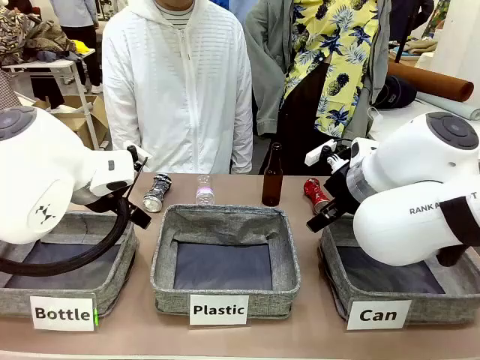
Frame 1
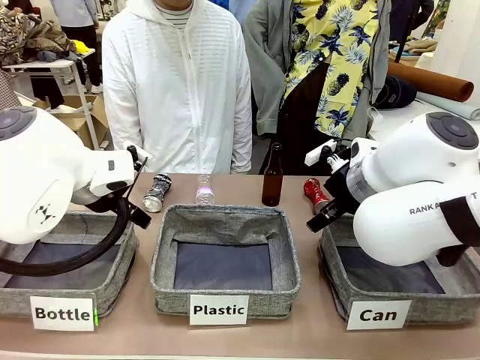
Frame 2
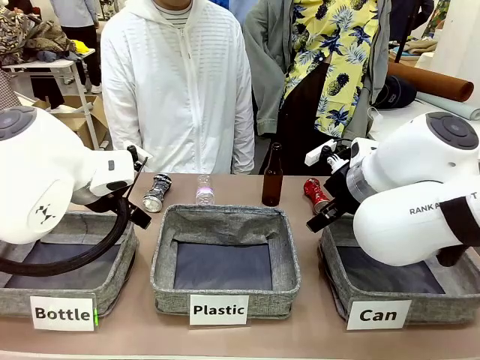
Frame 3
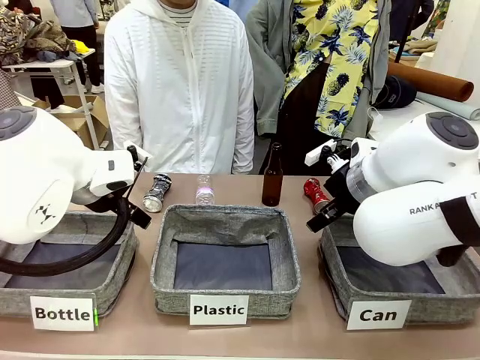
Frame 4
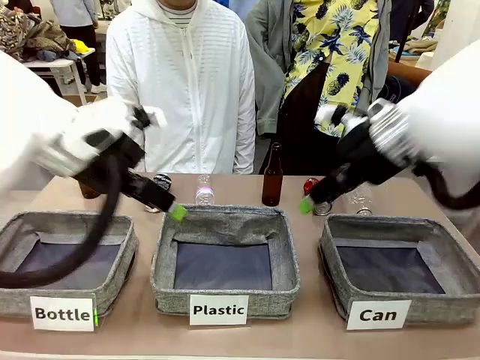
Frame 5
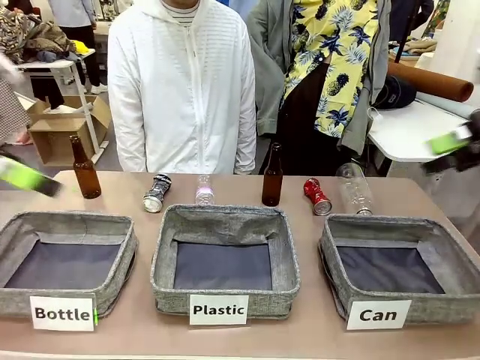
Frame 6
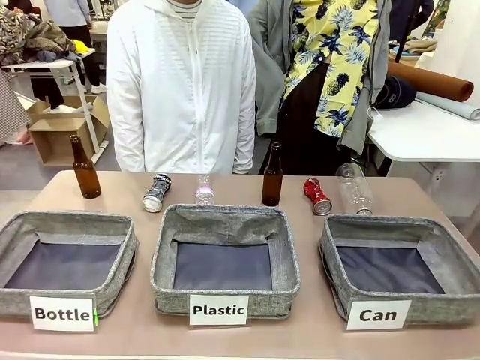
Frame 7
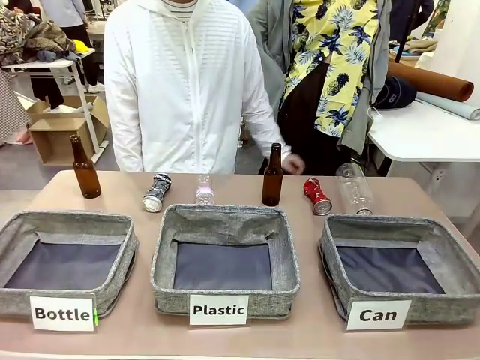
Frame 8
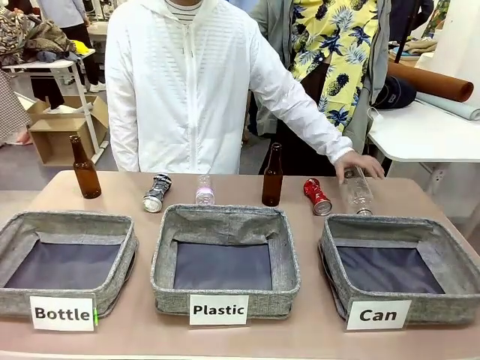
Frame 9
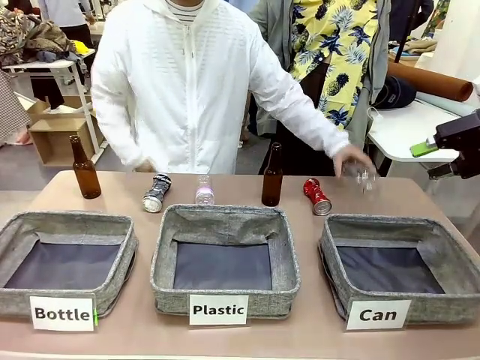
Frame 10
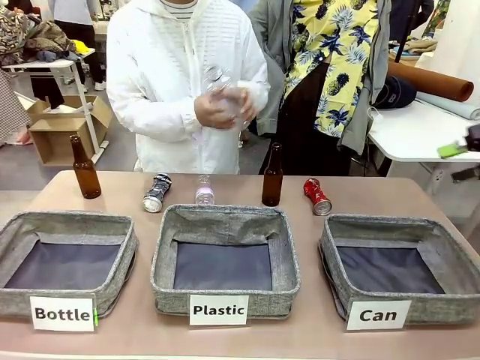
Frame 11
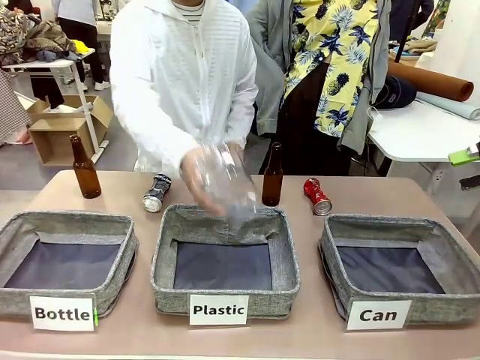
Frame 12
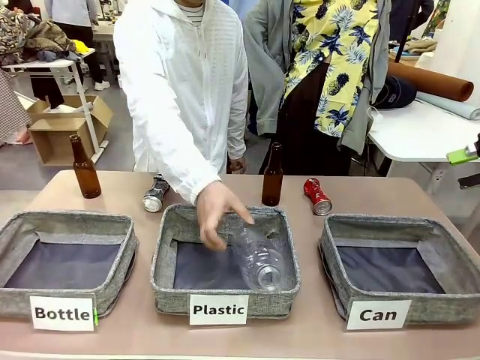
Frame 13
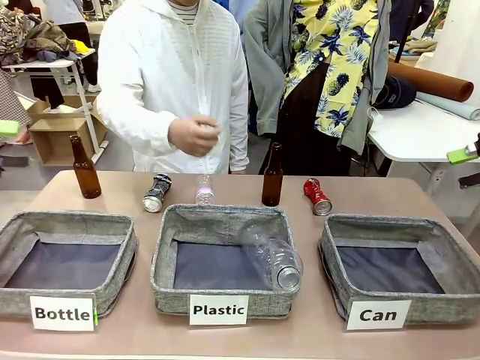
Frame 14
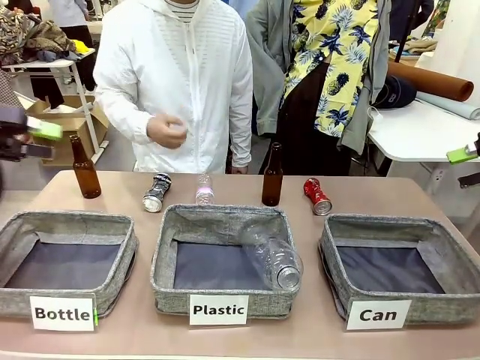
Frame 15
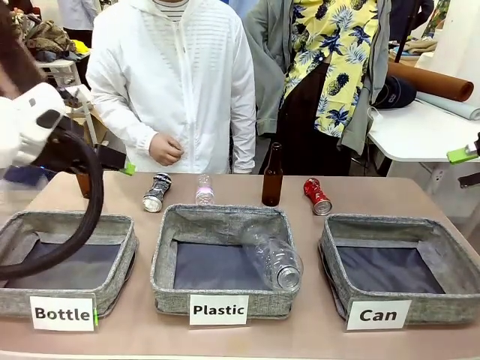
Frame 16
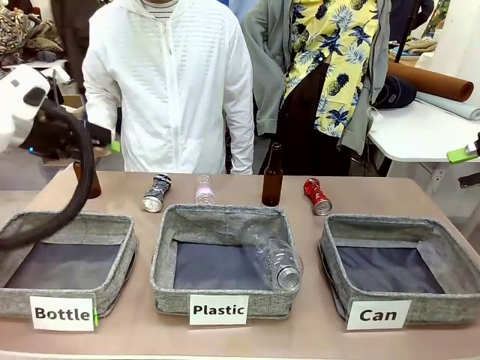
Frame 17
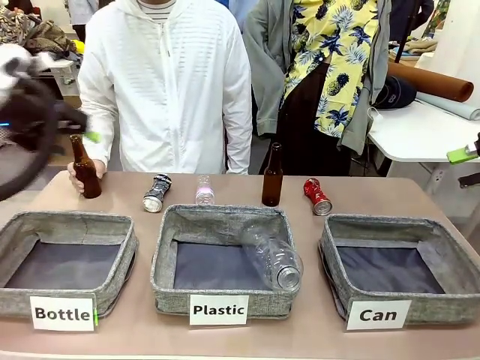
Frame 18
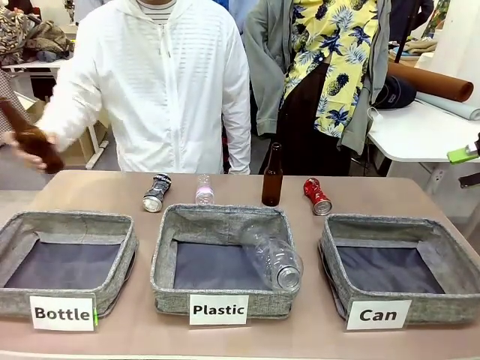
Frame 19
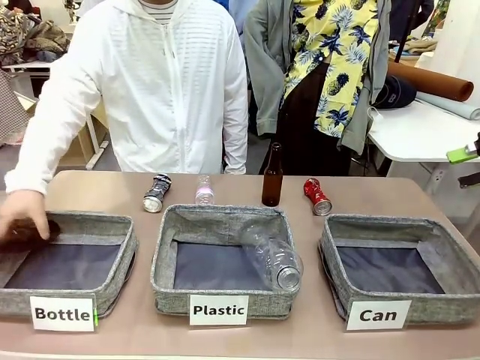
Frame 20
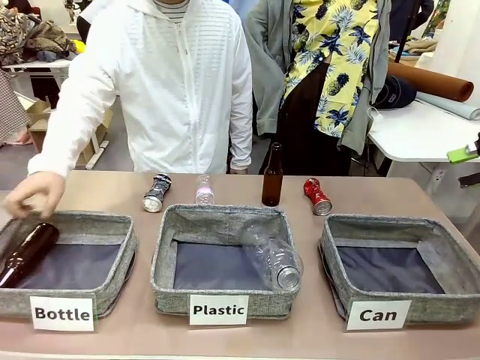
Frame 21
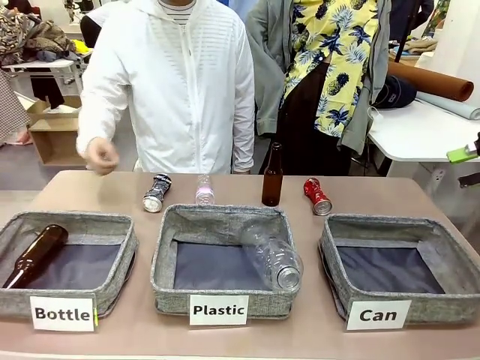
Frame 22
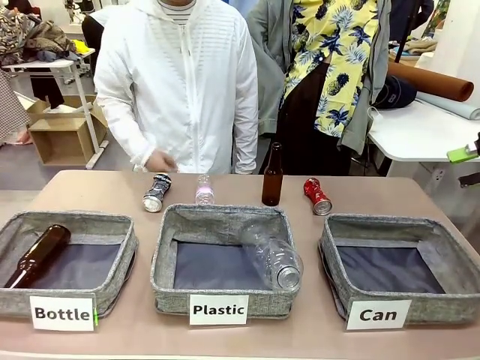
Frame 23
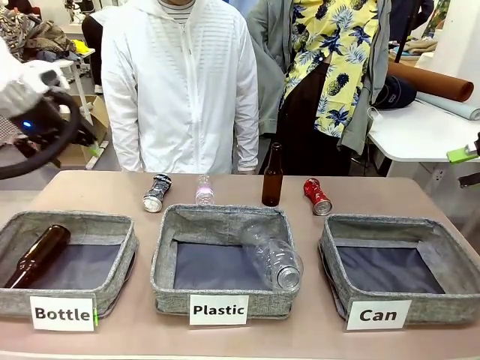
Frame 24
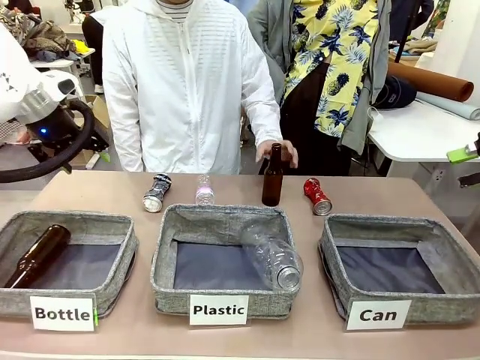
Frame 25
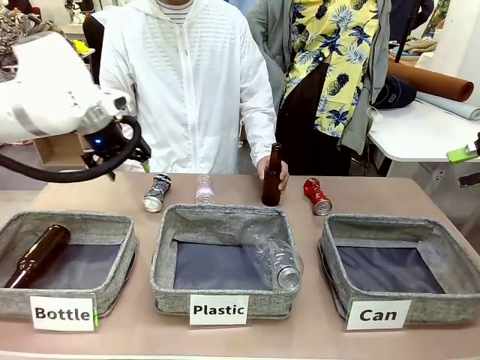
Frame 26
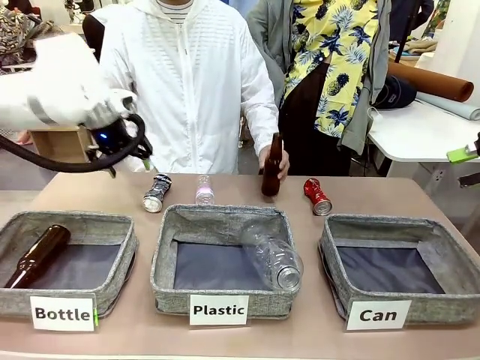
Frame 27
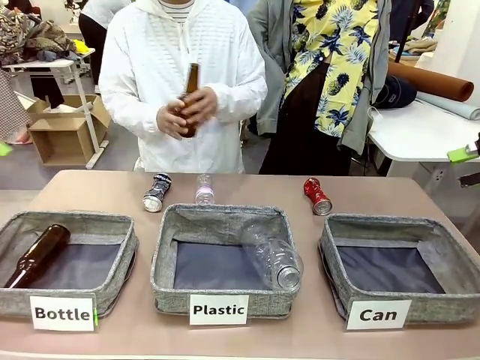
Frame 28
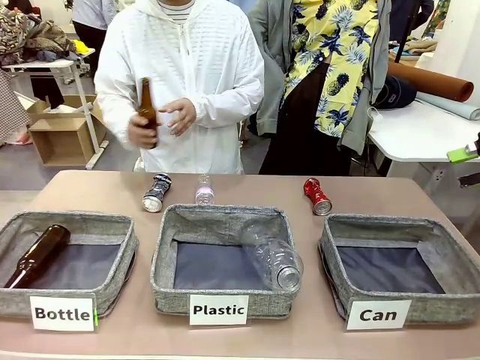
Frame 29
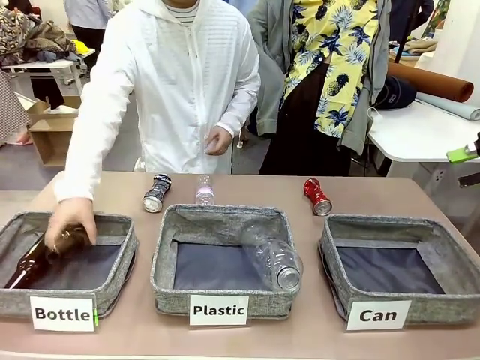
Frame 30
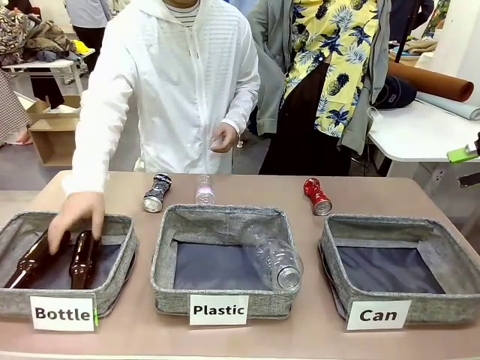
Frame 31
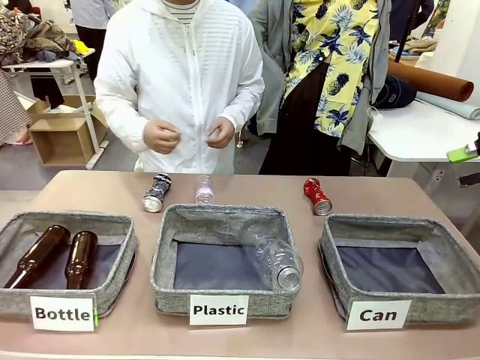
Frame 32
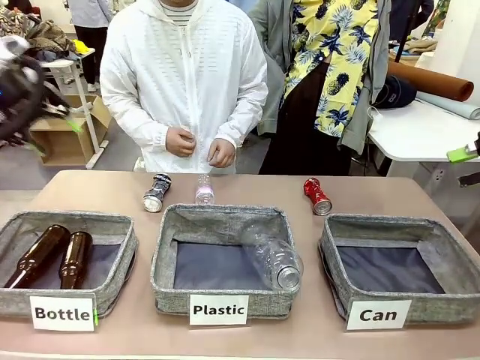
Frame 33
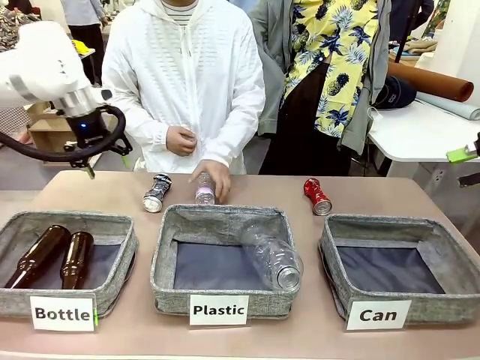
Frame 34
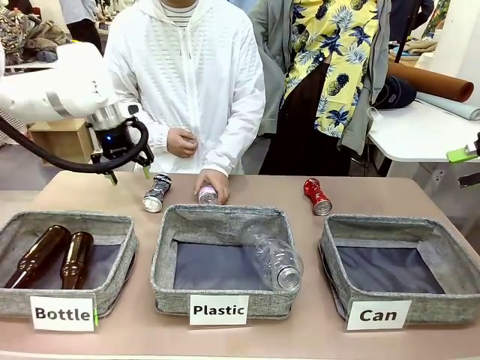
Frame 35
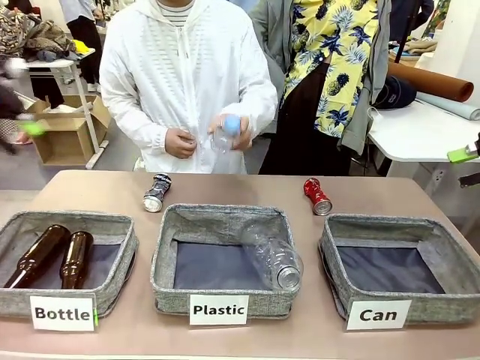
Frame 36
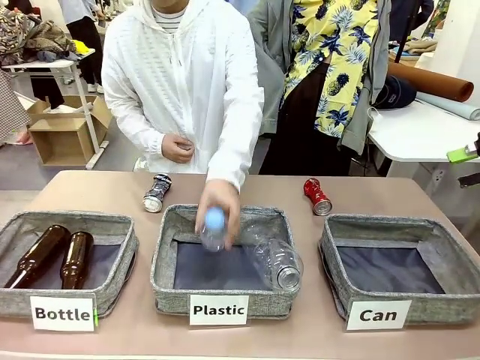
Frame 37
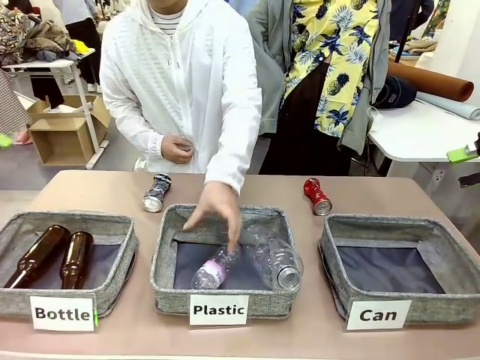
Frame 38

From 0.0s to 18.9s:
Task: Sort the can waste into the basket.
Robot: Pick up the can waste from the table and place it in the right Fabric basket.

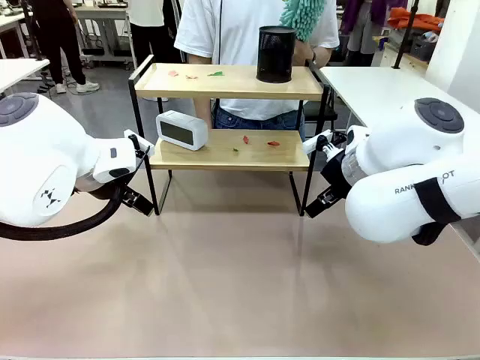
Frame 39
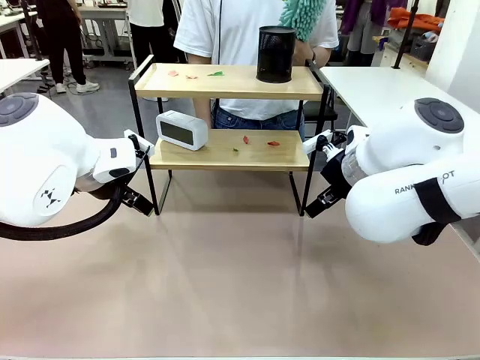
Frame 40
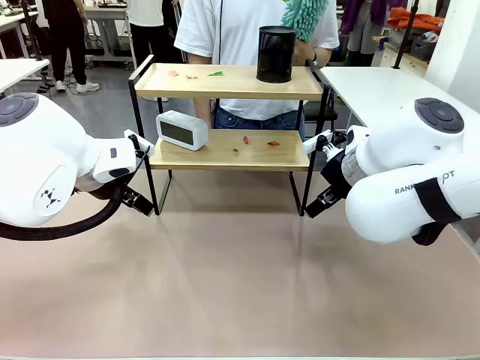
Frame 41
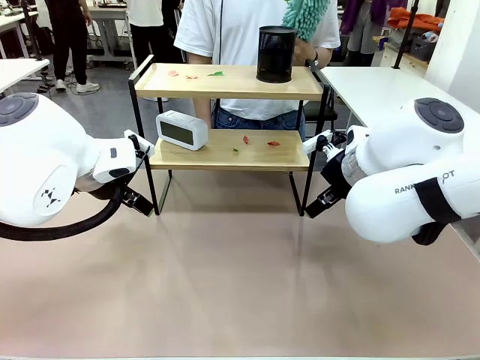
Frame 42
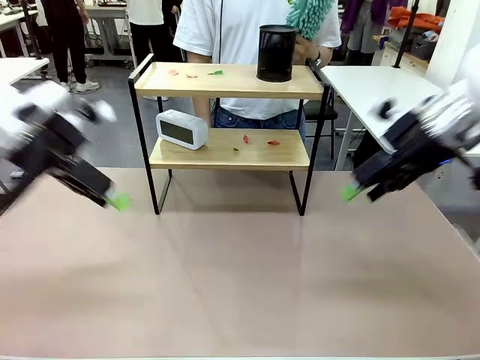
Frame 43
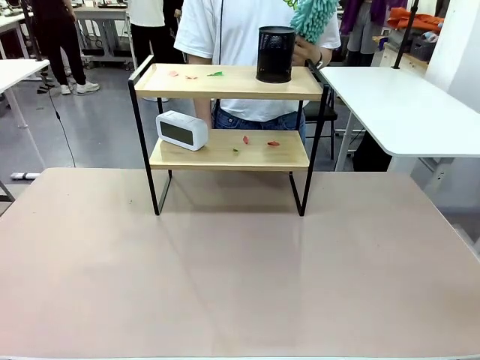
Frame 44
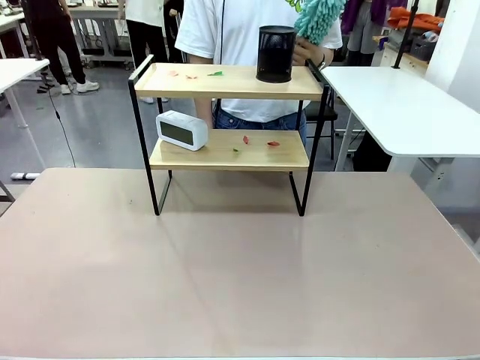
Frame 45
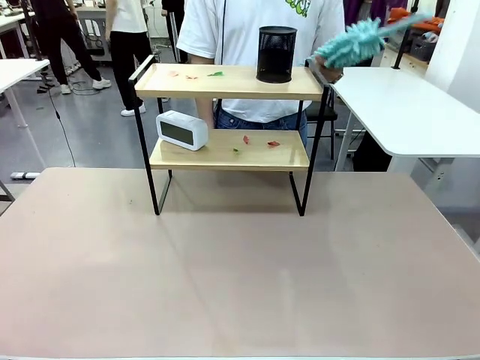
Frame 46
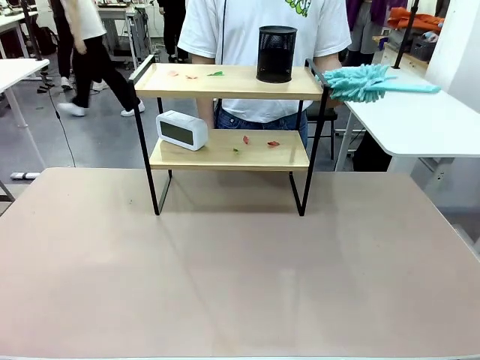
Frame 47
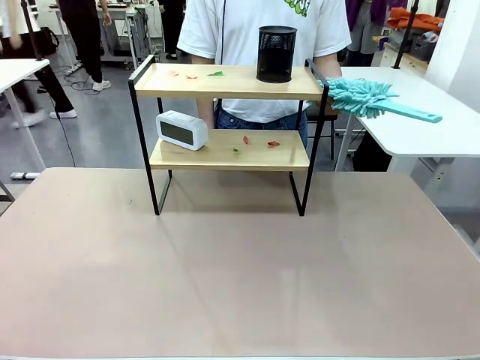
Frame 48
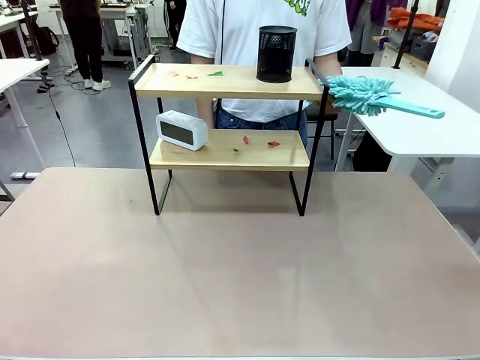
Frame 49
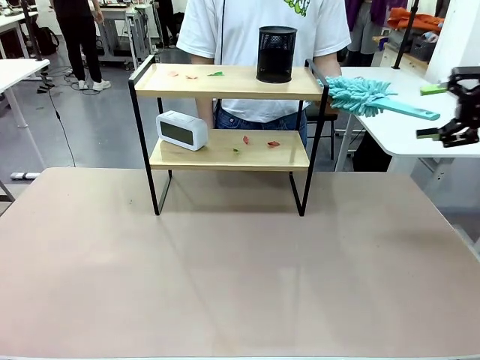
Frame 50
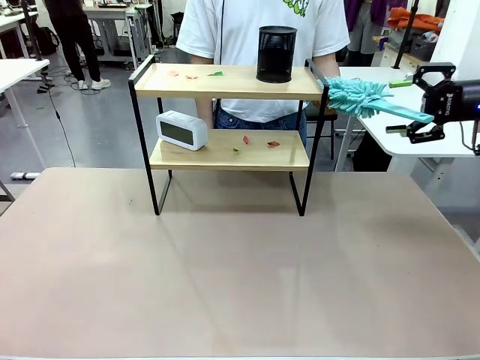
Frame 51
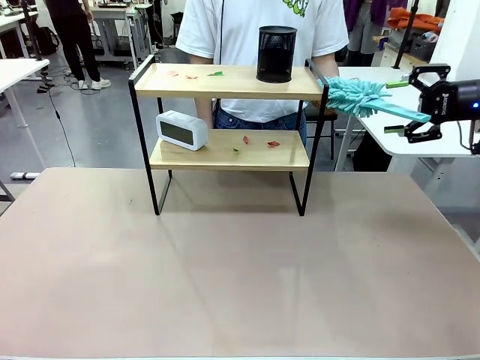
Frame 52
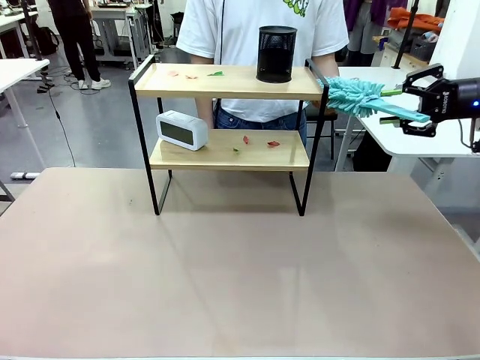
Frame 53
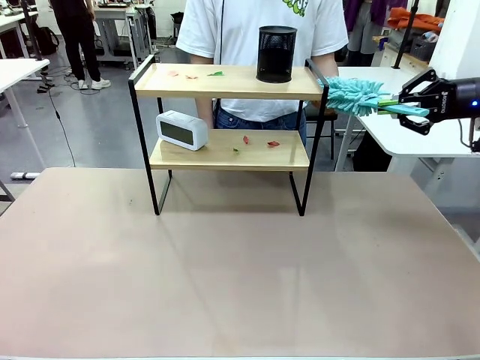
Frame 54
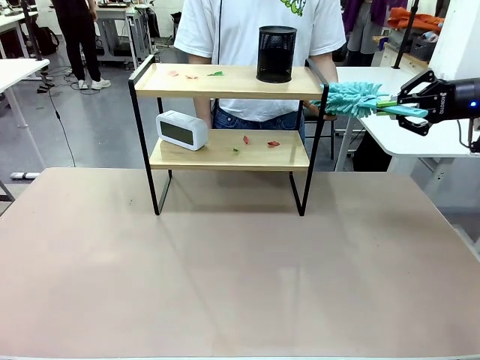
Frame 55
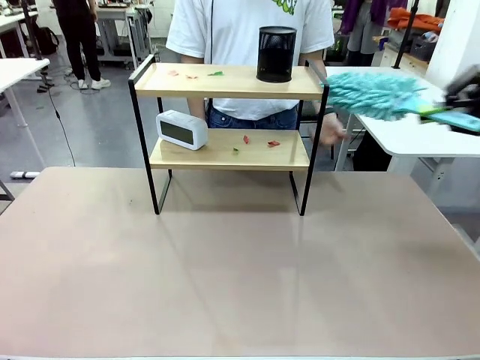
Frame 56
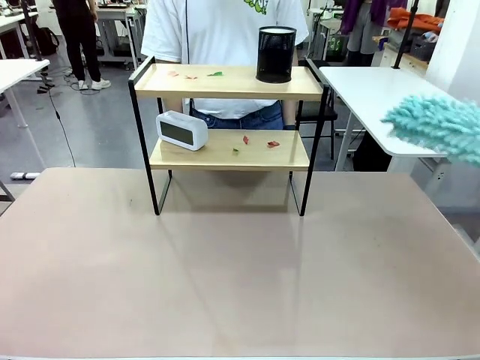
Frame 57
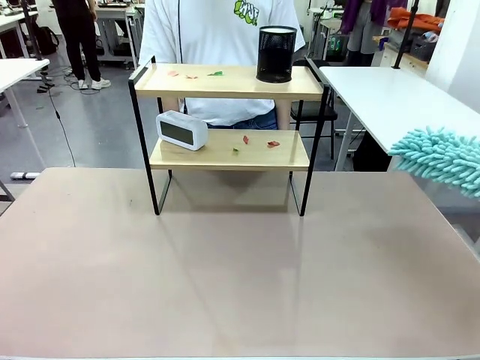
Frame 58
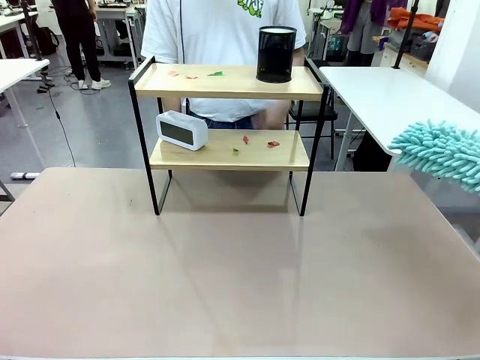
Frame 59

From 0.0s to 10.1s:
Task: Clean the shelf.
Robot: Pick up the Duster from the human.
Person: Hand the Duster to the robot.
